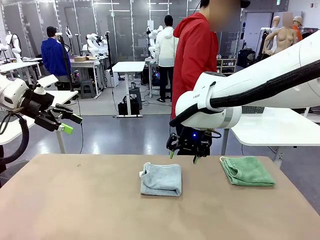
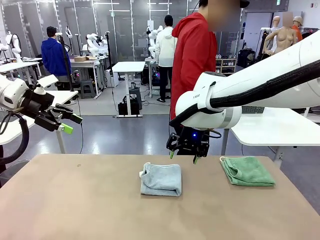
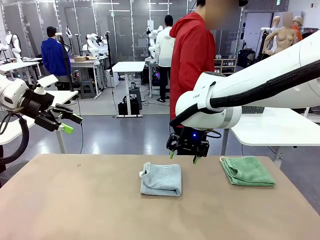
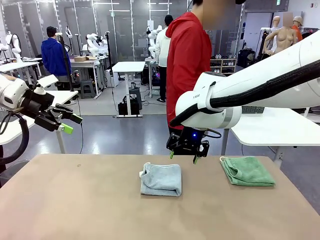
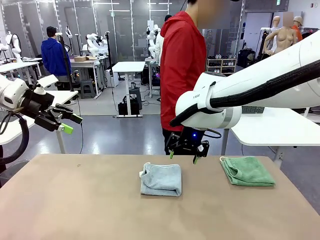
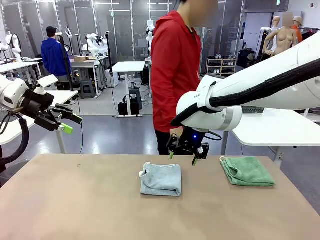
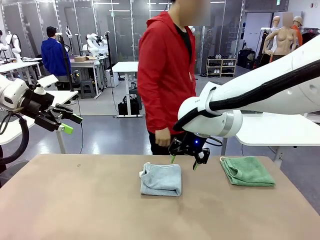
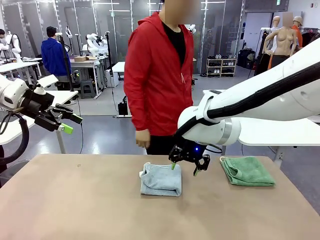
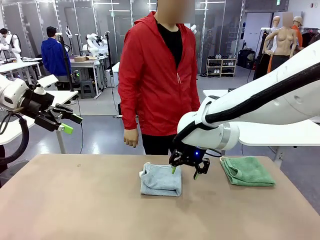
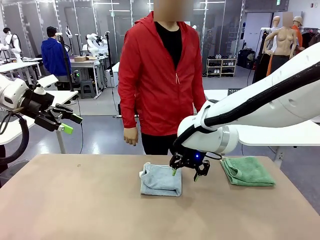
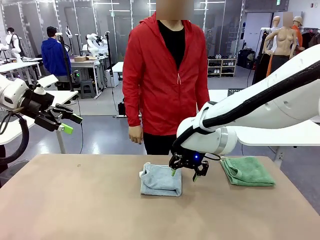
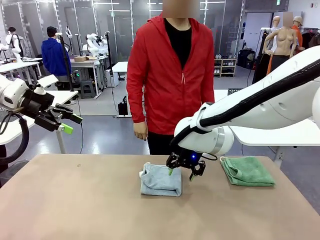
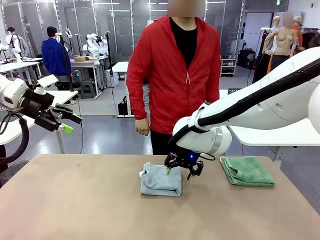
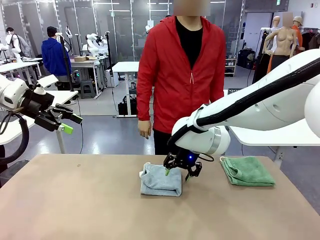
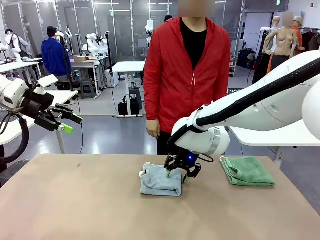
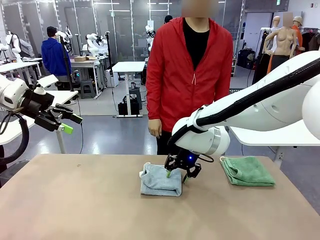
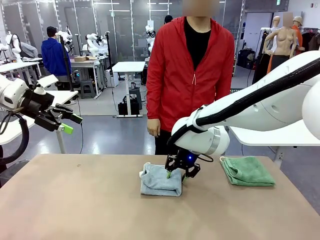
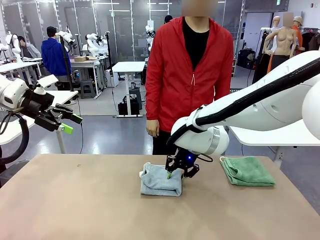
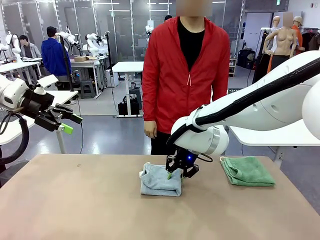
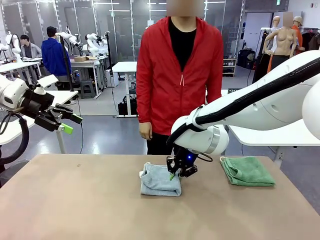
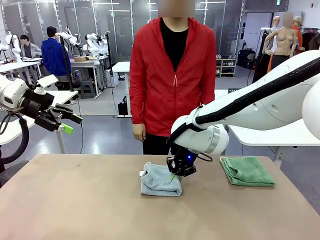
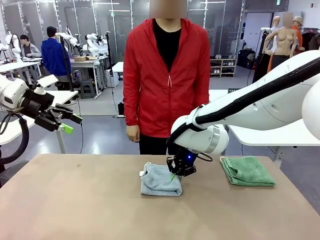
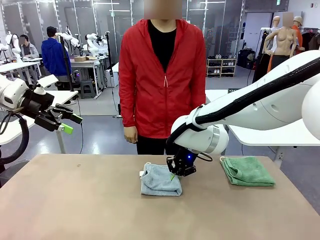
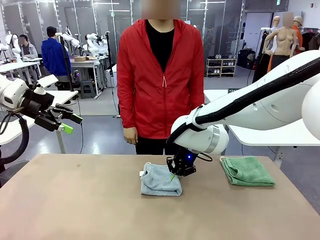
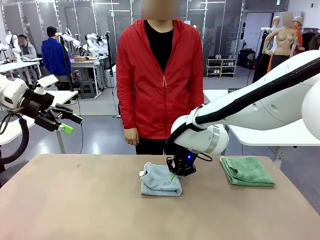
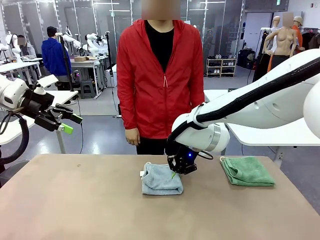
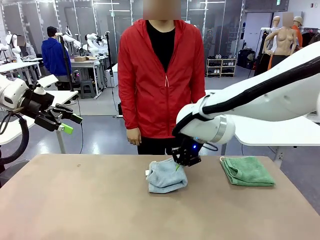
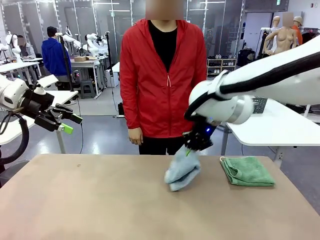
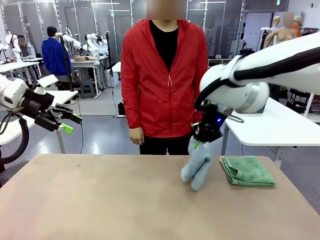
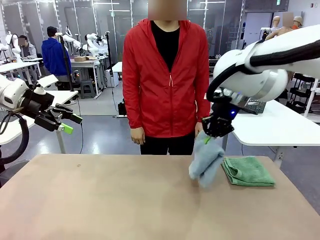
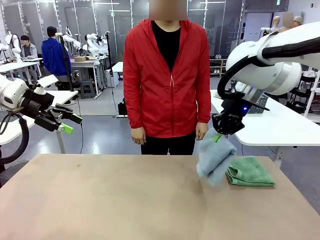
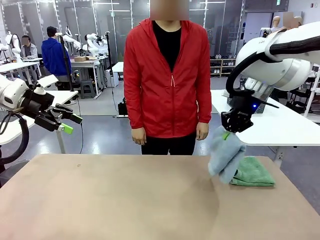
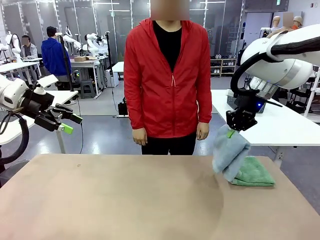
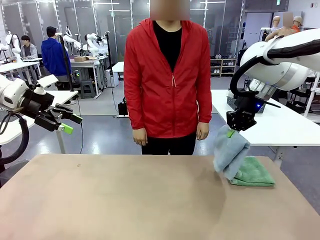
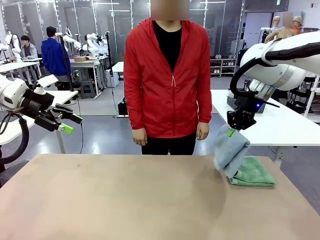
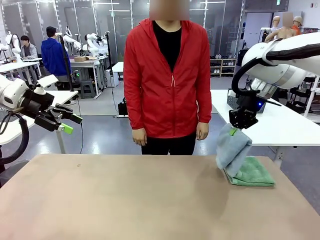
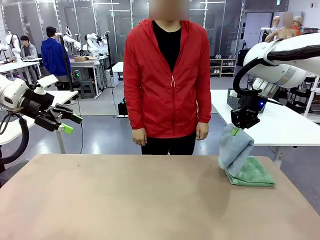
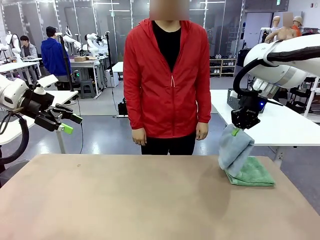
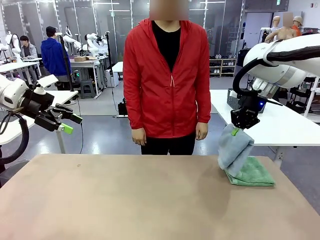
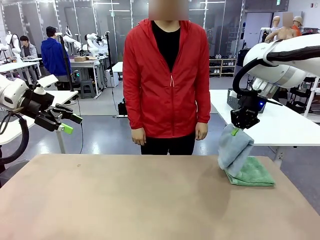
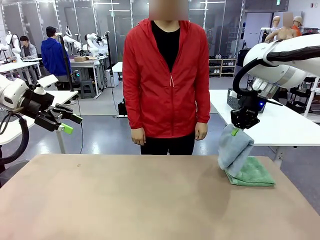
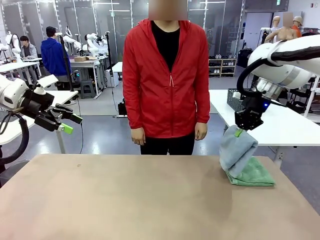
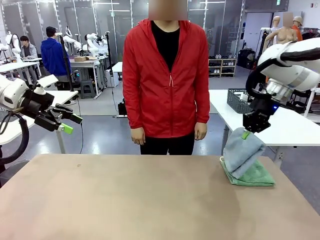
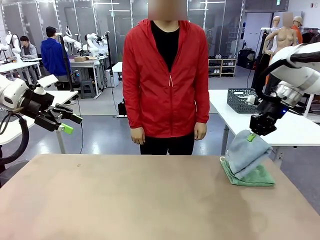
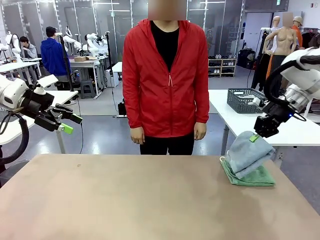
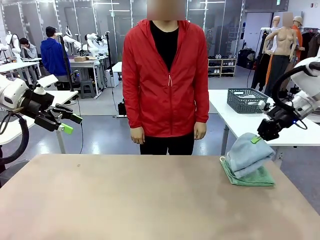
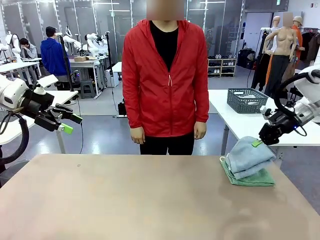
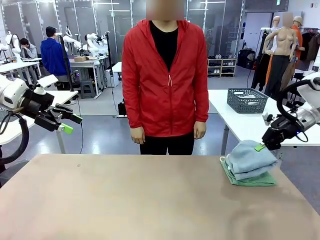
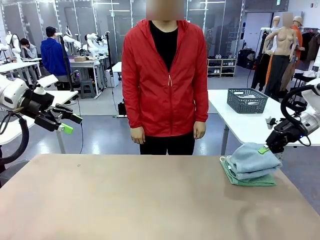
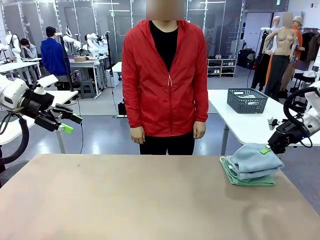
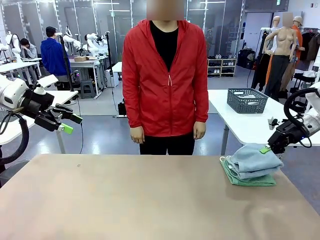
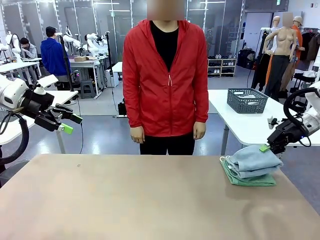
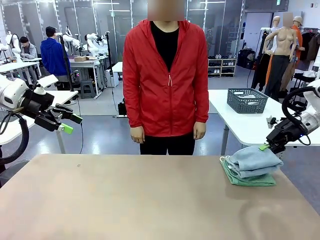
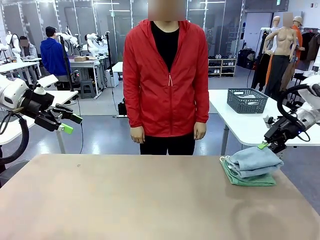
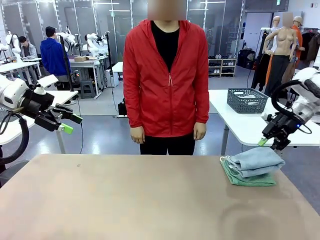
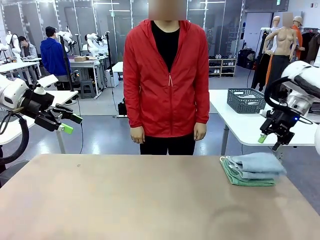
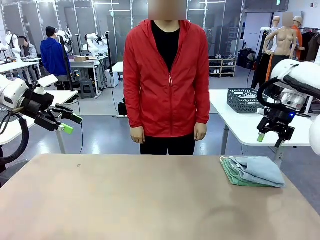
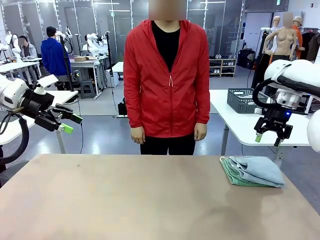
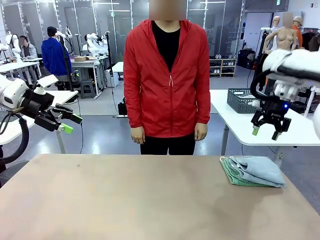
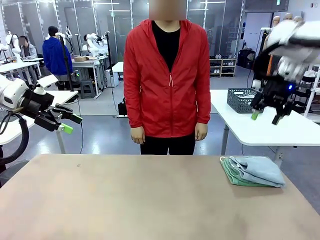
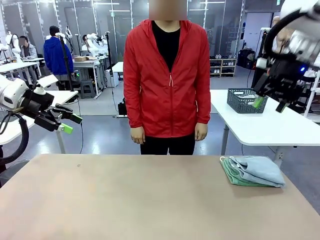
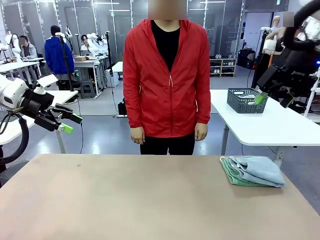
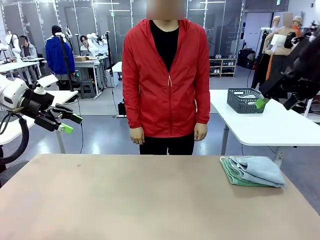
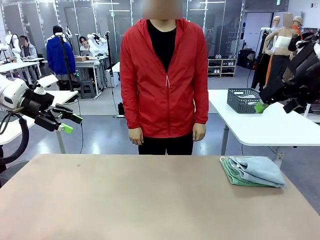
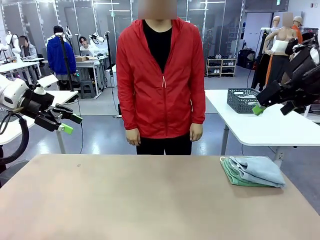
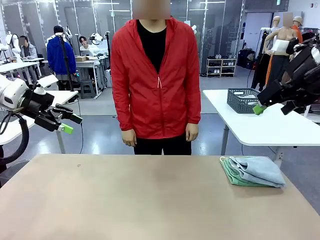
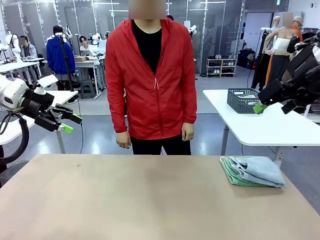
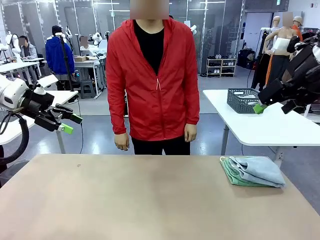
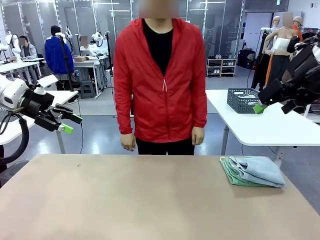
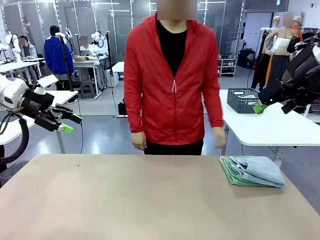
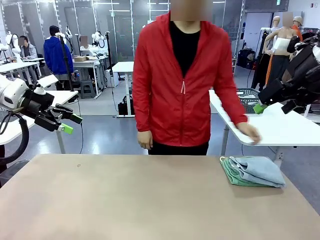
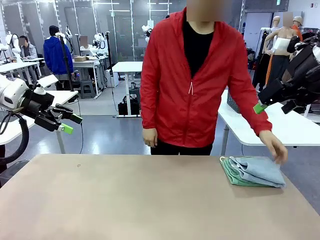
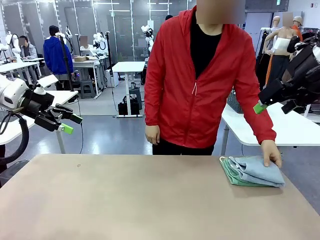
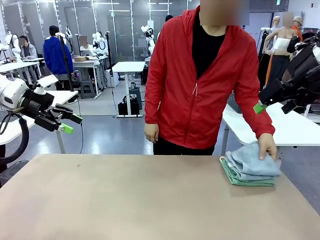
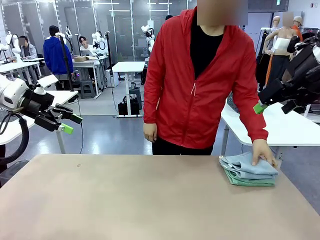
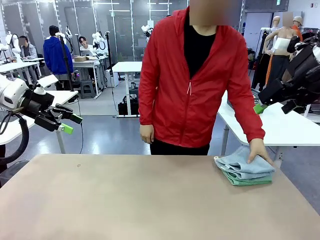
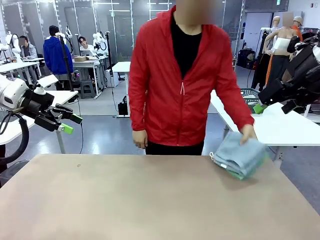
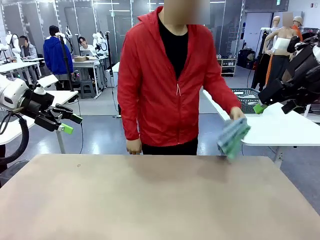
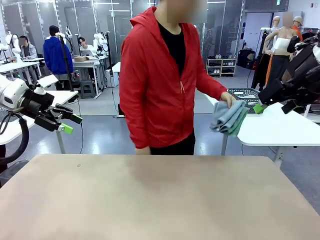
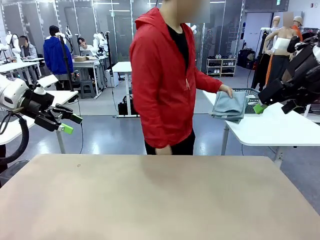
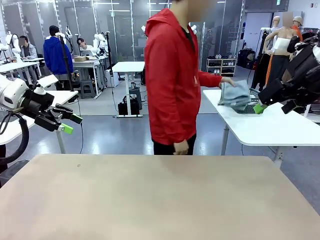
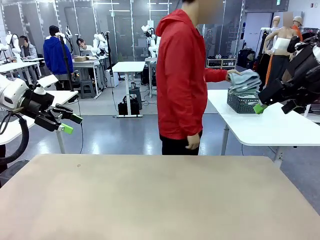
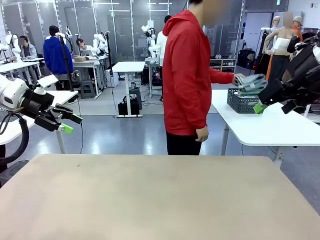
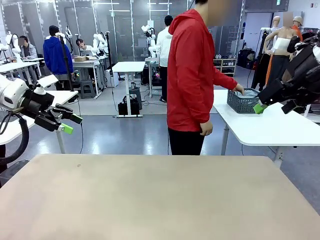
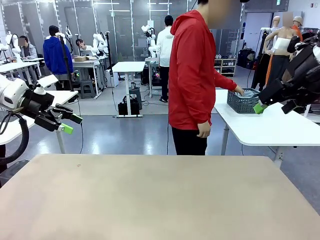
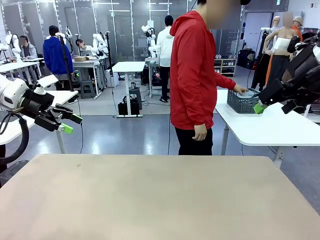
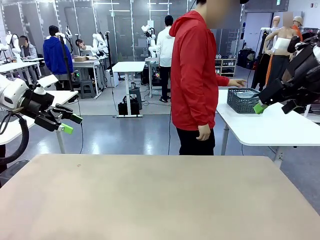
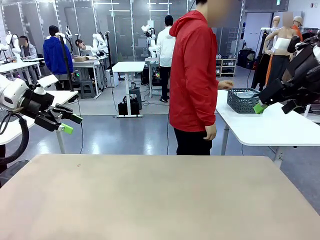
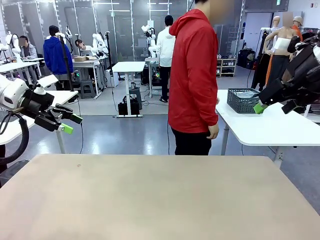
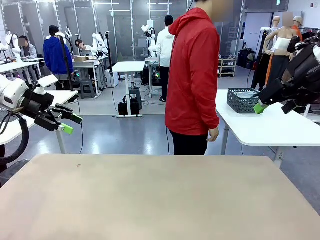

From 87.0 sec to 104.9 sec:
Task: Fold the towels and place them in the basket.
Robot: Stack the folded Towel with hook on the right side of the table.
Person: Pick up the stack of towels from the robot table and place it into the basket.
